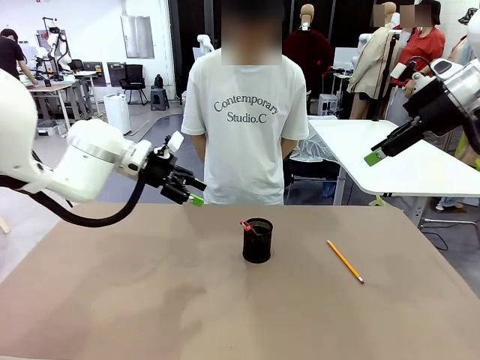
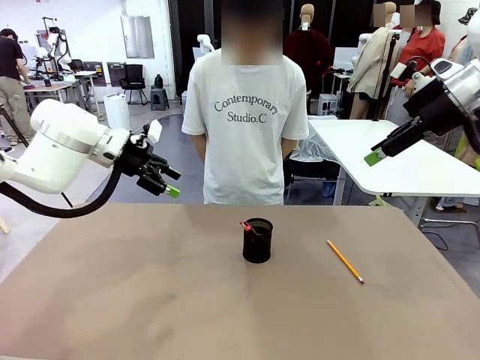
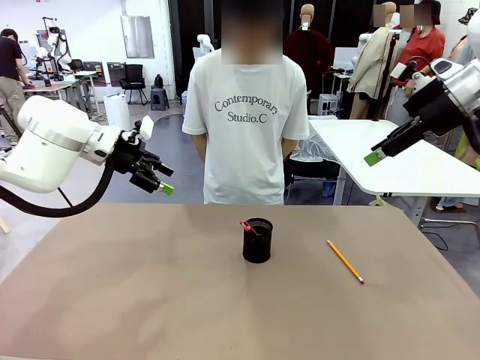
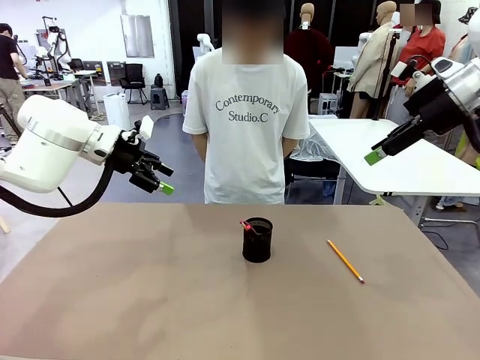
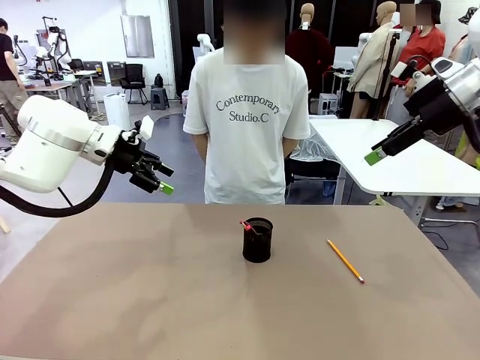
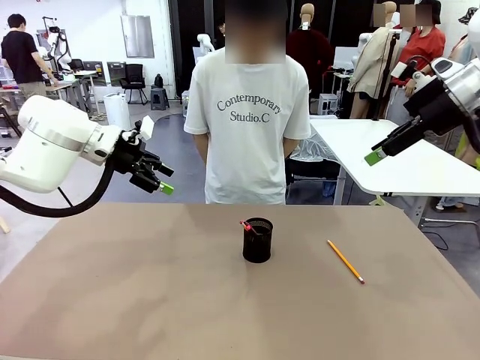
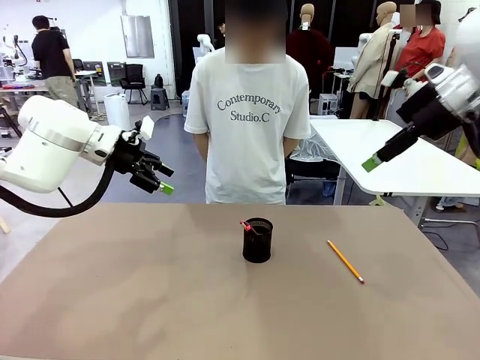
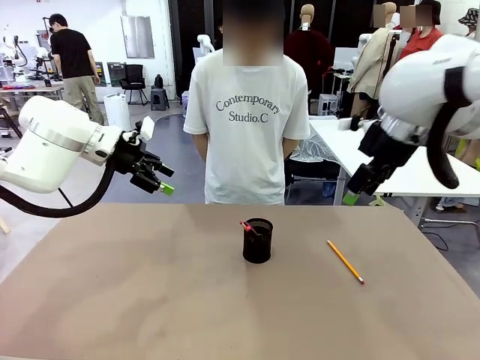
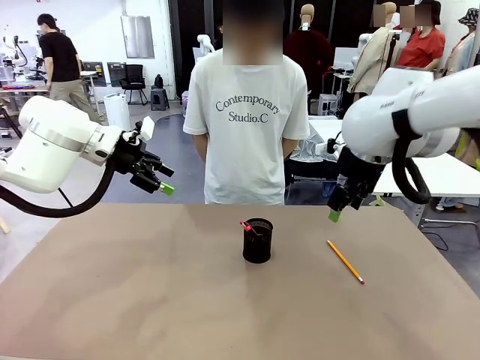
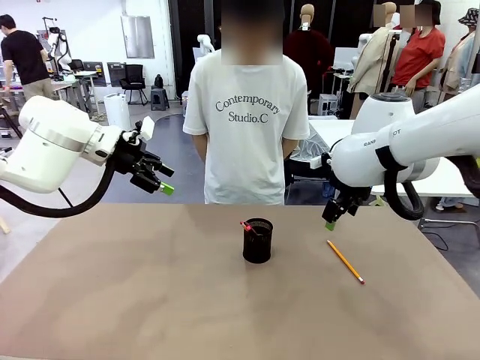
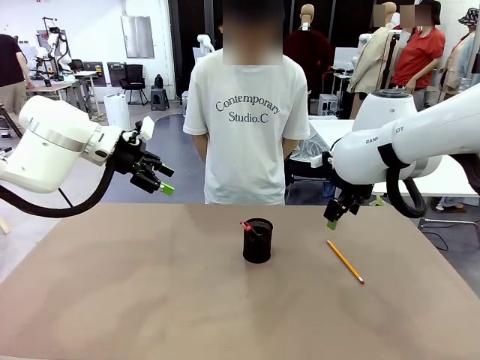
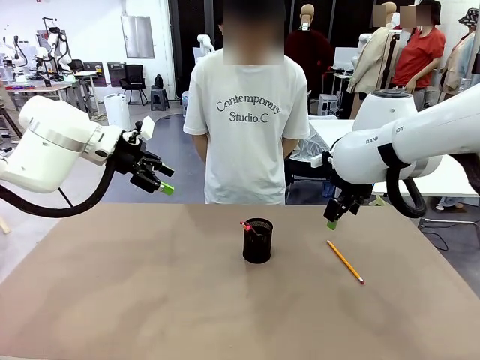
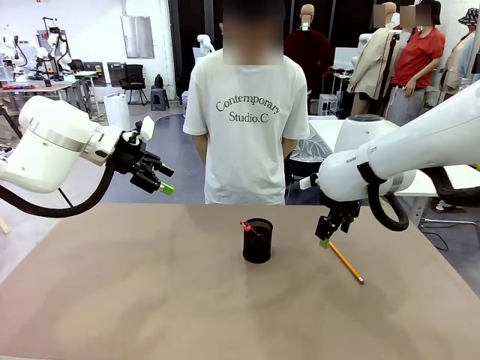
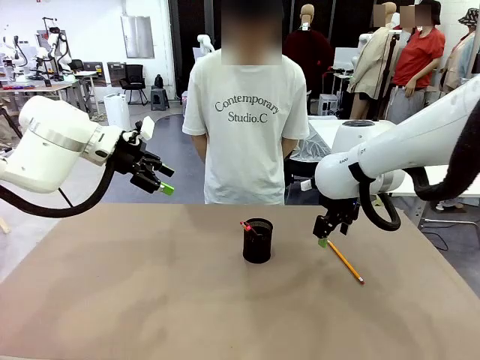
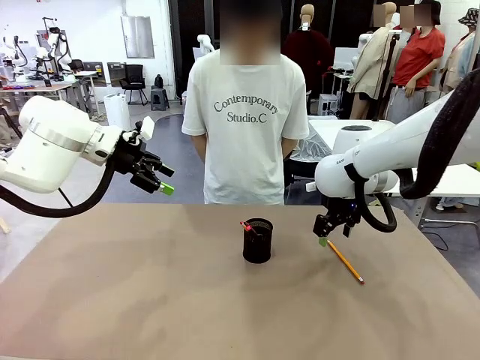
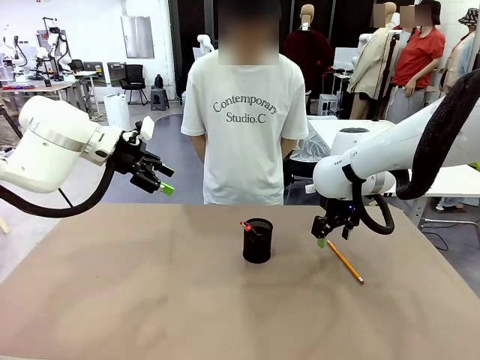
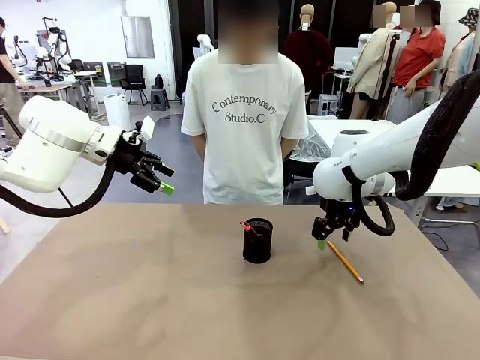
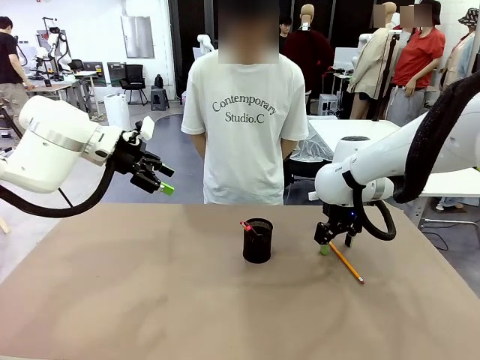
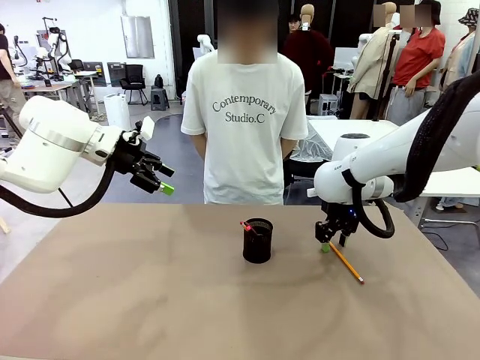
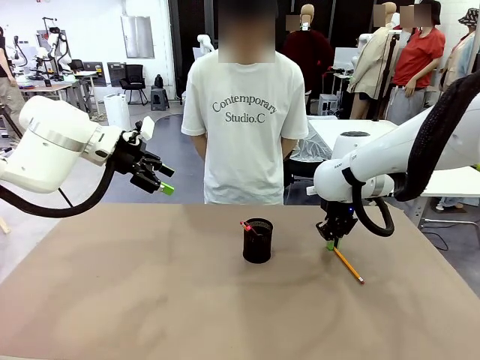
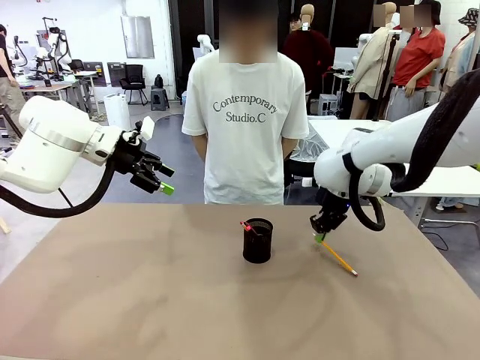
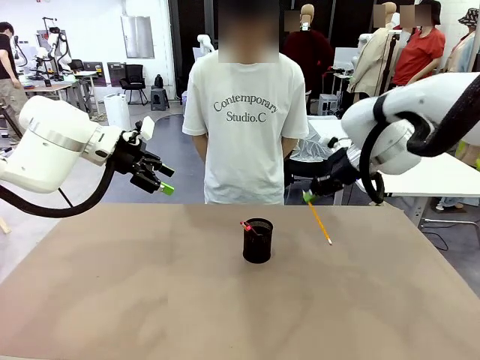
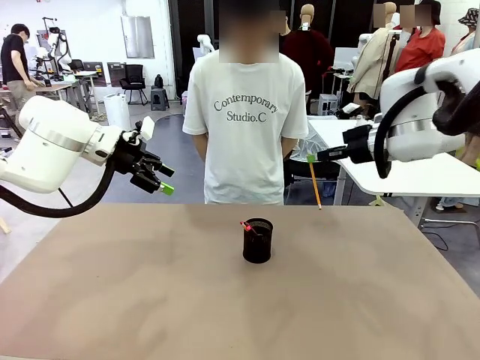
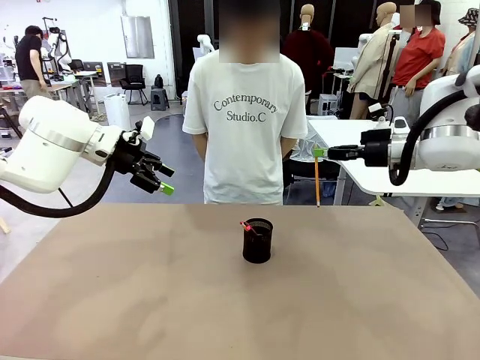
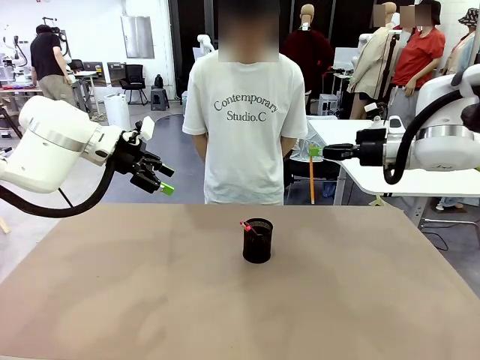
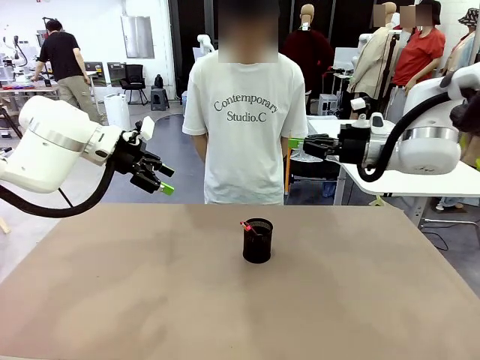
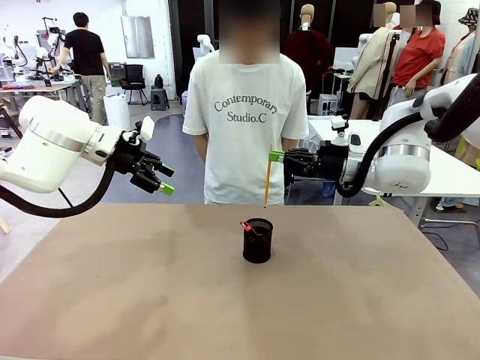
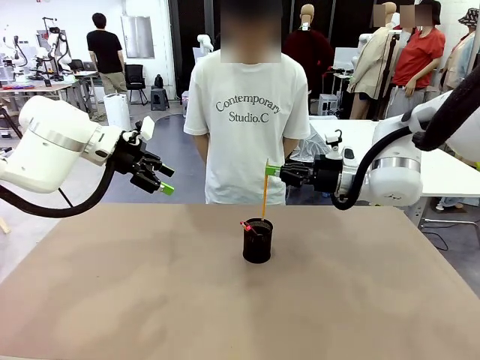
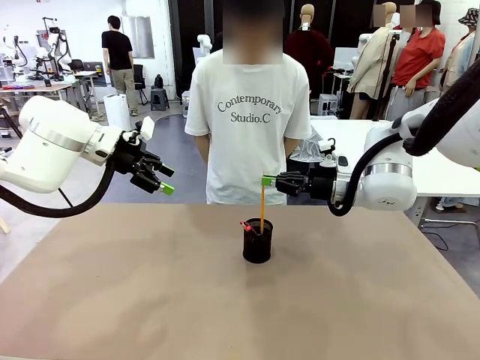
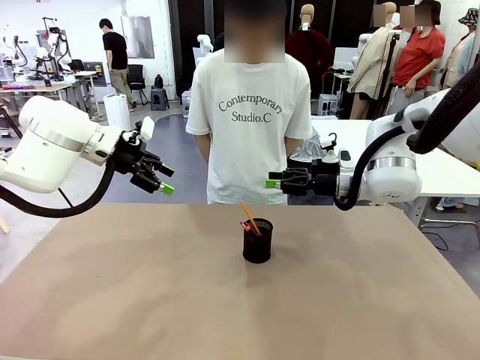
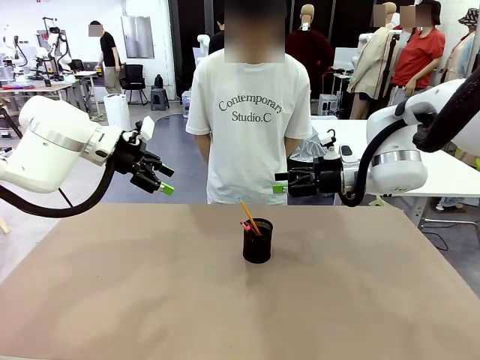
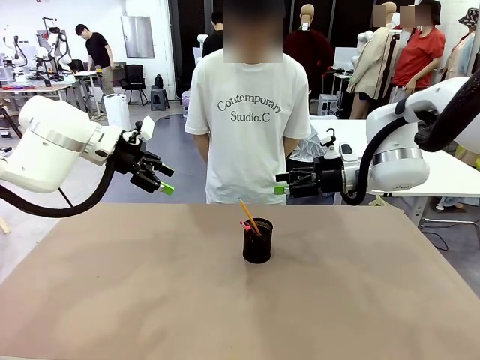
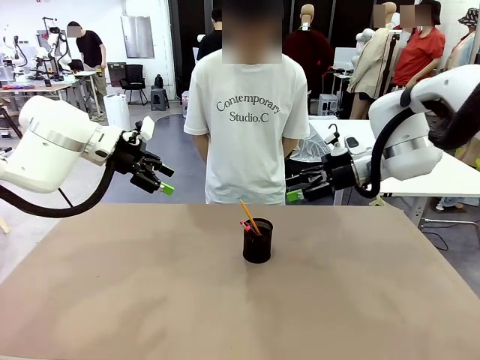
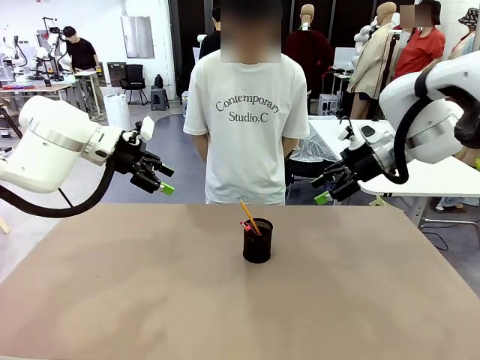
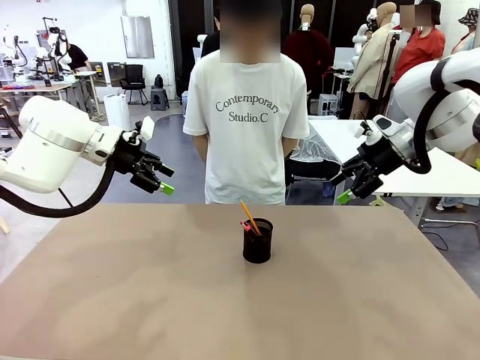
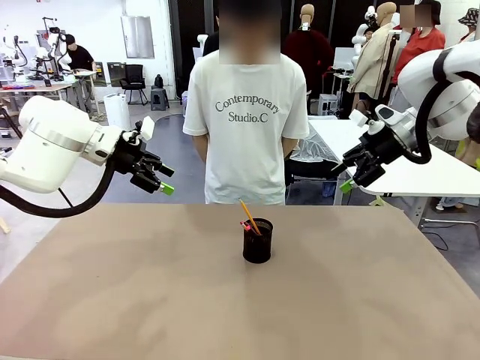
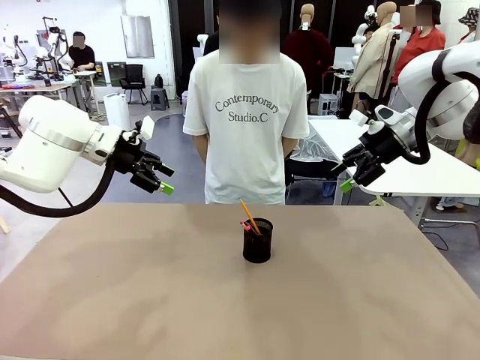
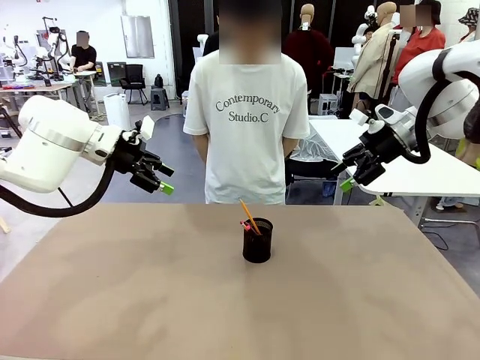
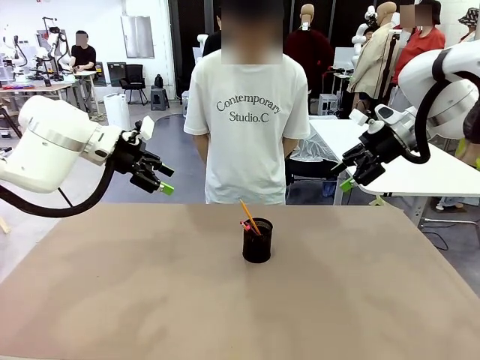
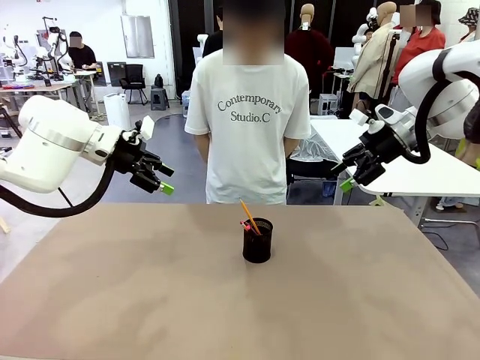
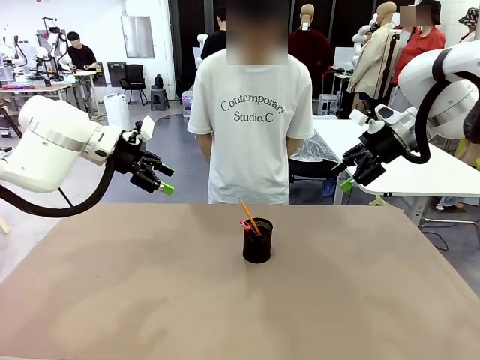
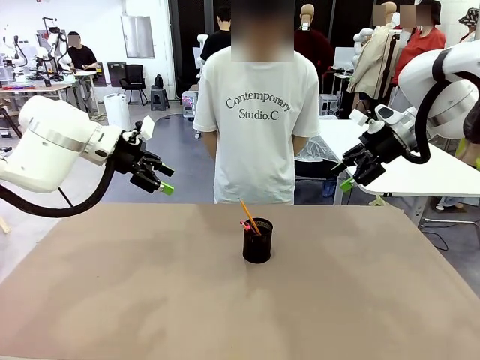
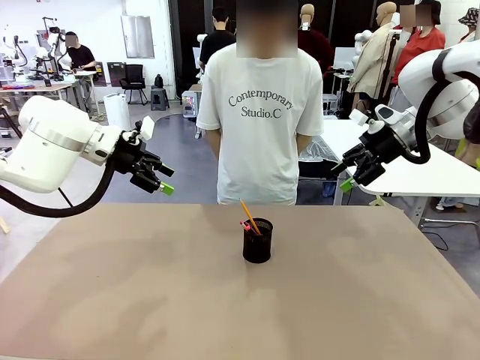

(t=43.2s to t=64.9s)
Task: Place the pens into the pen holder.
Robot: Pick up a writing instrument from the table and place it into the Pen holder.
